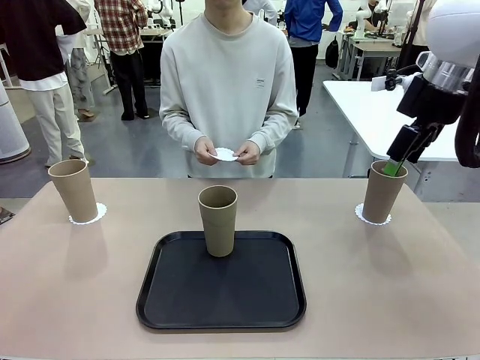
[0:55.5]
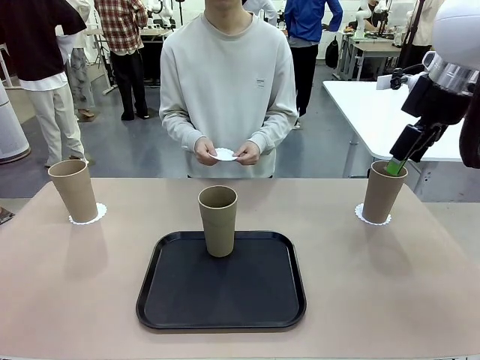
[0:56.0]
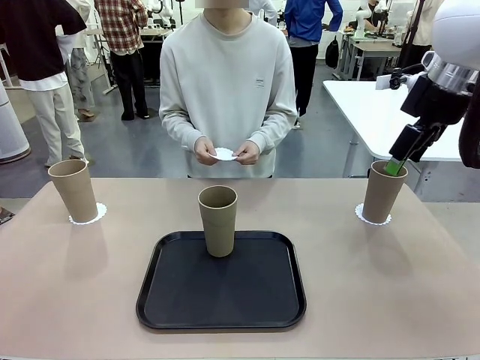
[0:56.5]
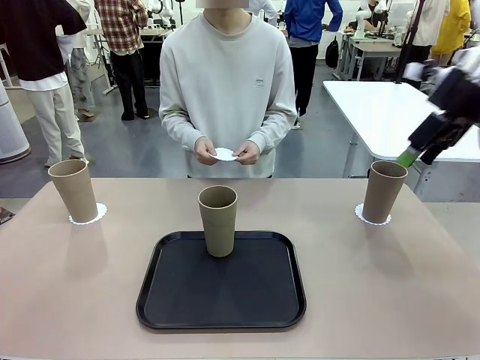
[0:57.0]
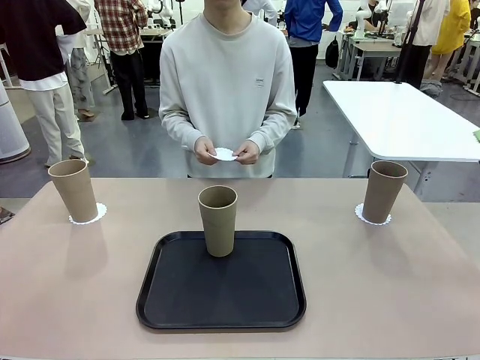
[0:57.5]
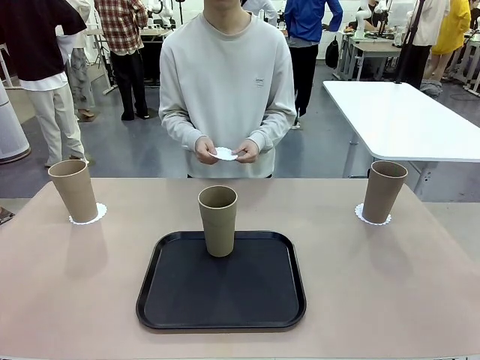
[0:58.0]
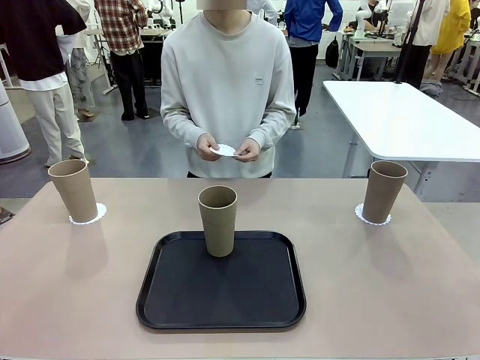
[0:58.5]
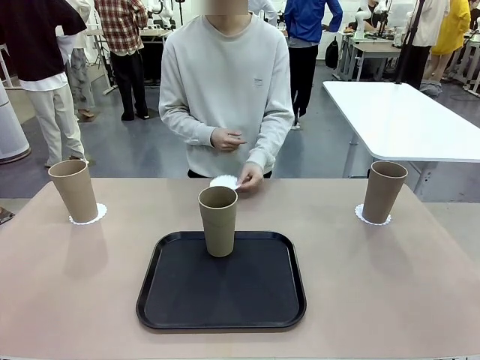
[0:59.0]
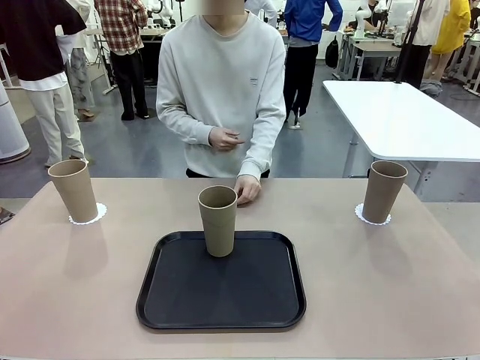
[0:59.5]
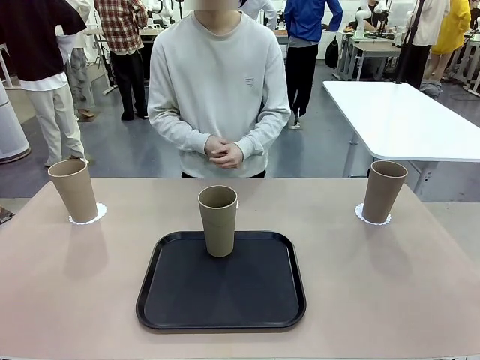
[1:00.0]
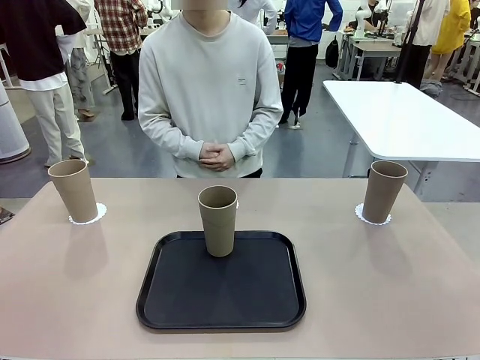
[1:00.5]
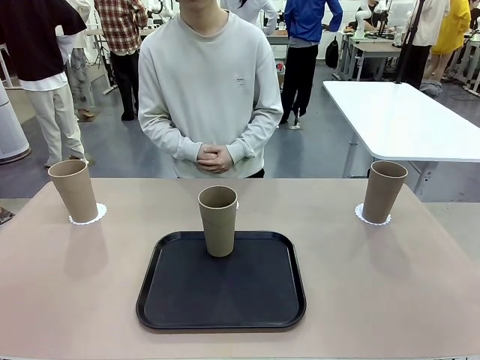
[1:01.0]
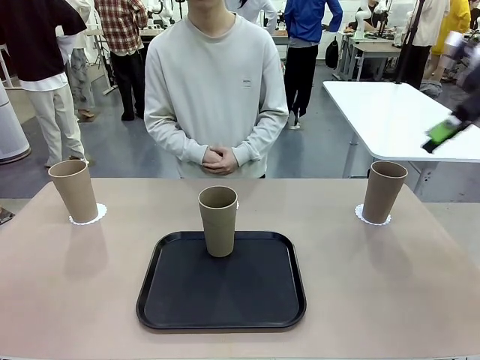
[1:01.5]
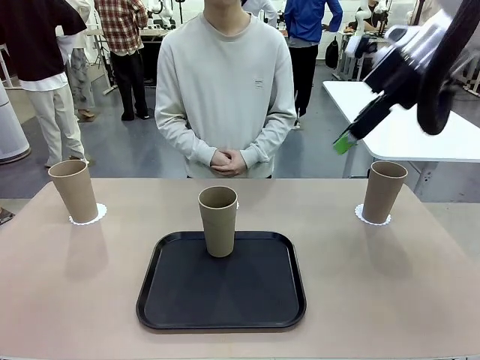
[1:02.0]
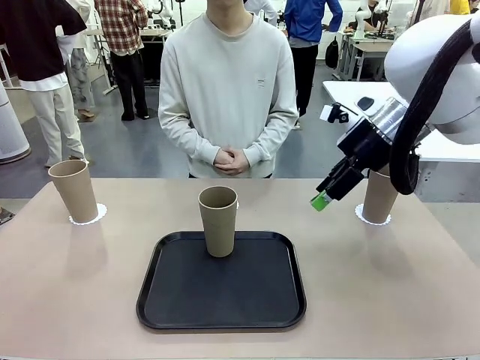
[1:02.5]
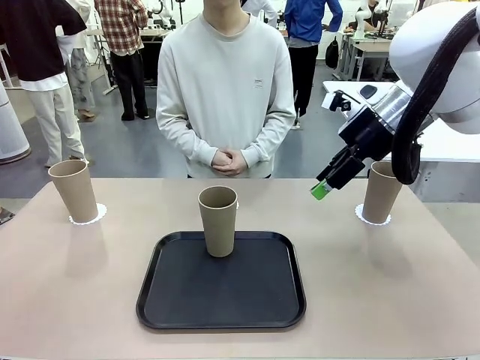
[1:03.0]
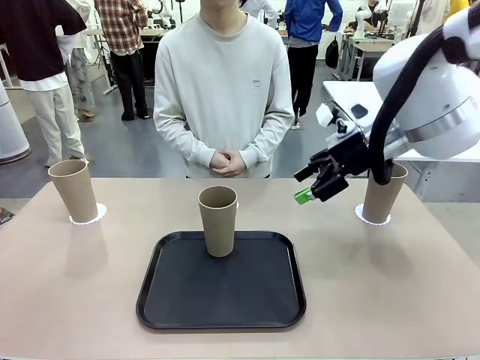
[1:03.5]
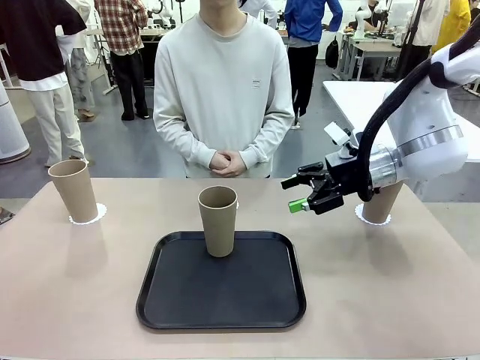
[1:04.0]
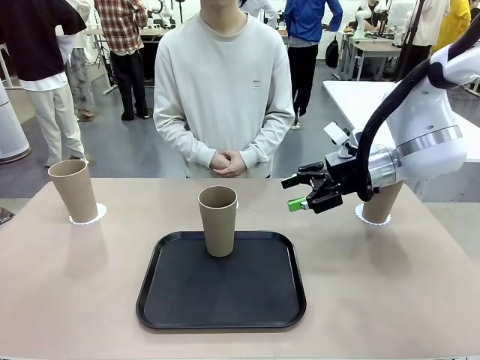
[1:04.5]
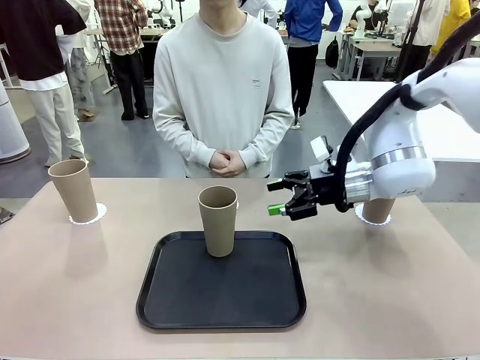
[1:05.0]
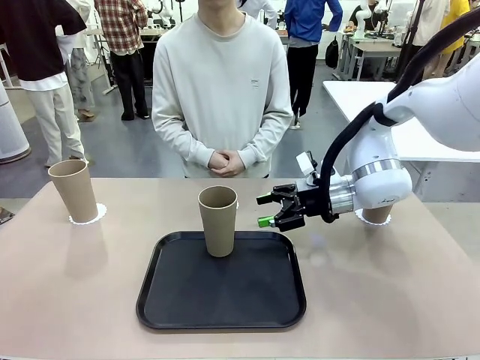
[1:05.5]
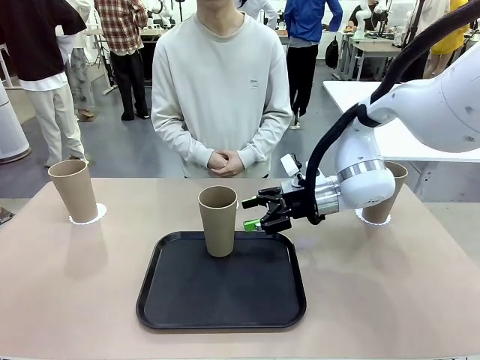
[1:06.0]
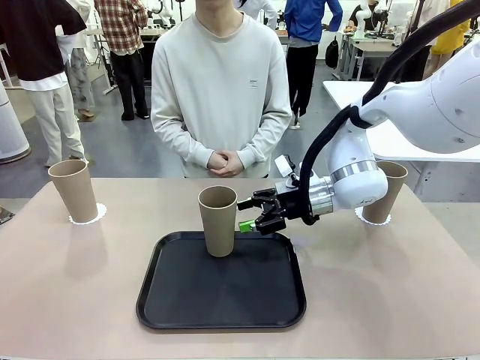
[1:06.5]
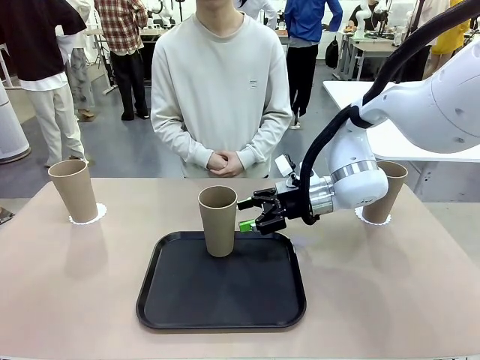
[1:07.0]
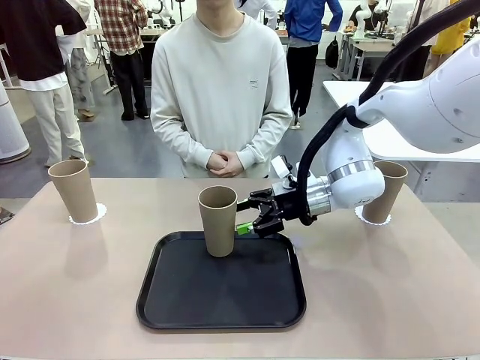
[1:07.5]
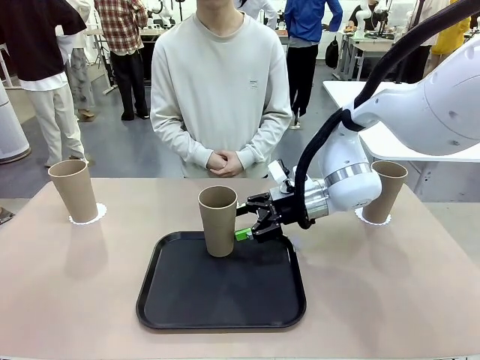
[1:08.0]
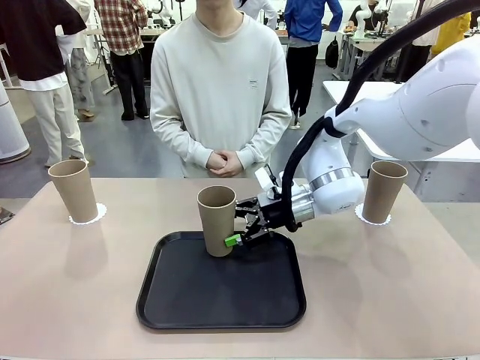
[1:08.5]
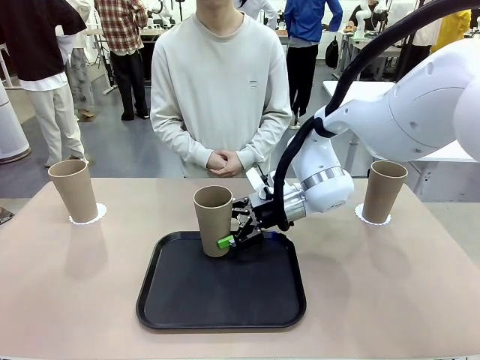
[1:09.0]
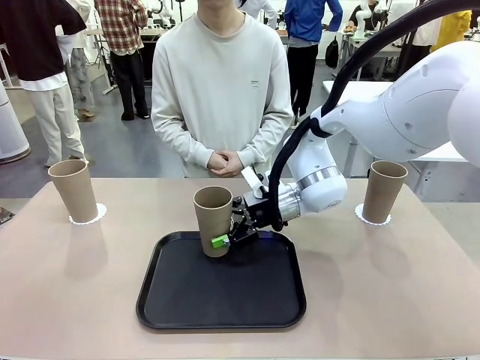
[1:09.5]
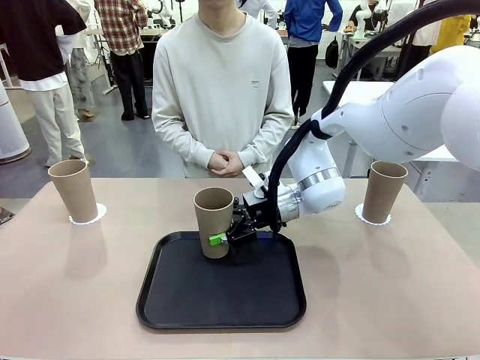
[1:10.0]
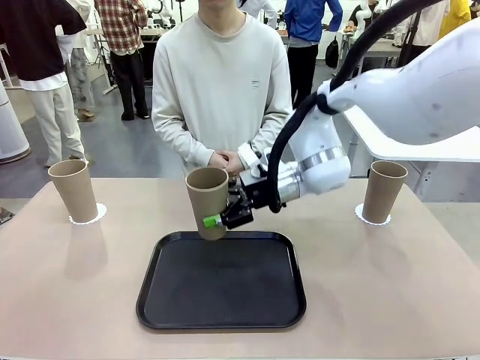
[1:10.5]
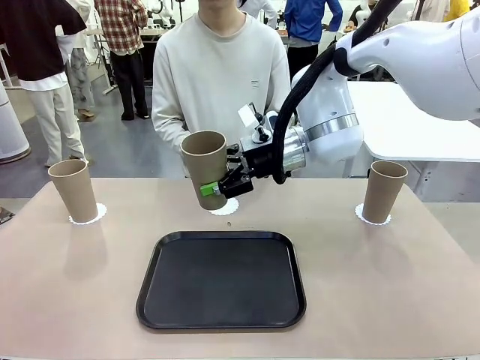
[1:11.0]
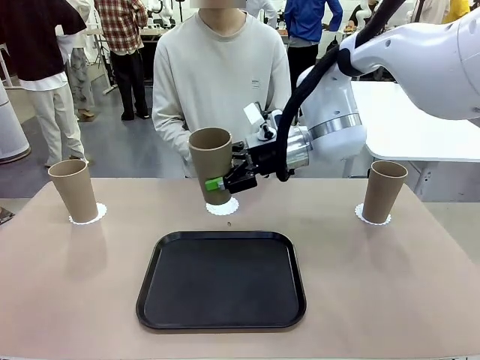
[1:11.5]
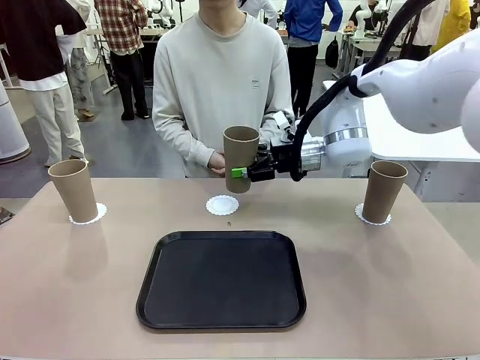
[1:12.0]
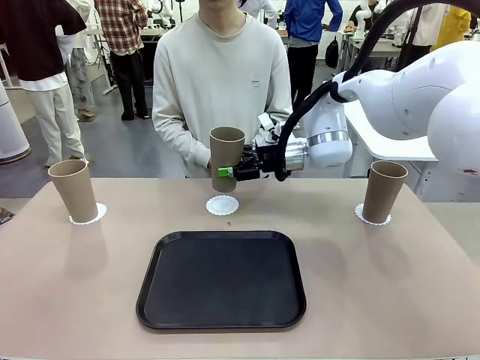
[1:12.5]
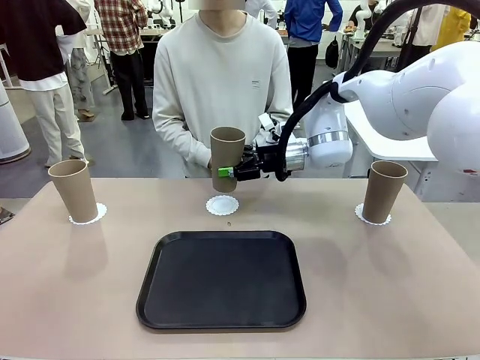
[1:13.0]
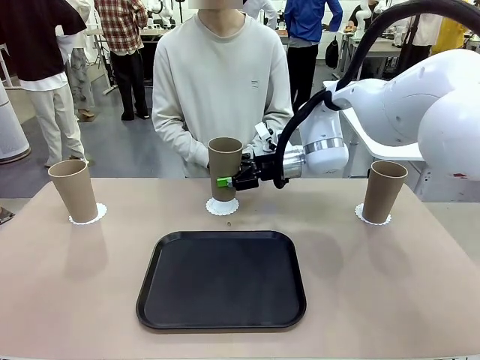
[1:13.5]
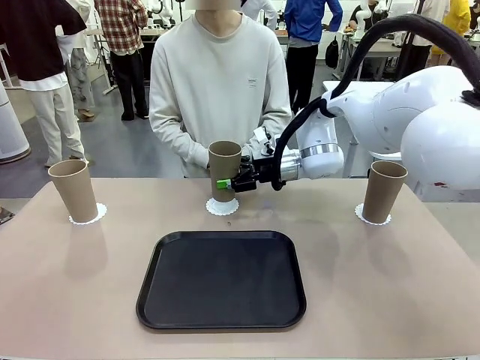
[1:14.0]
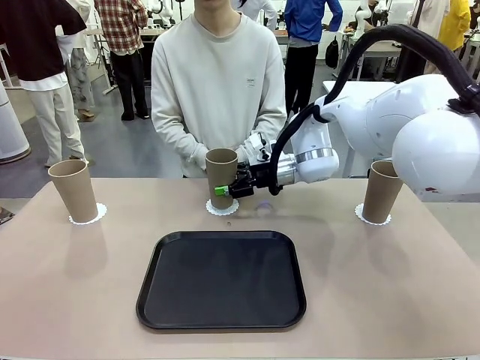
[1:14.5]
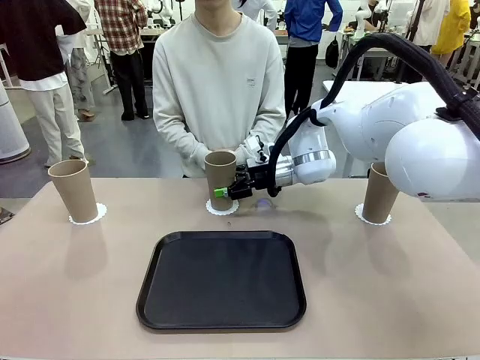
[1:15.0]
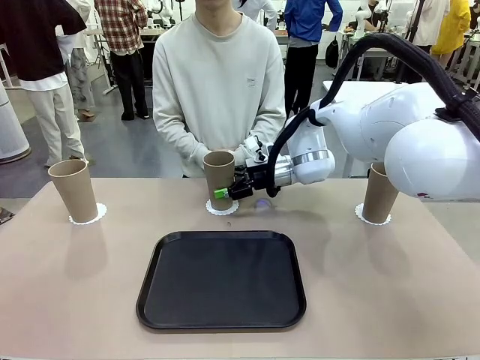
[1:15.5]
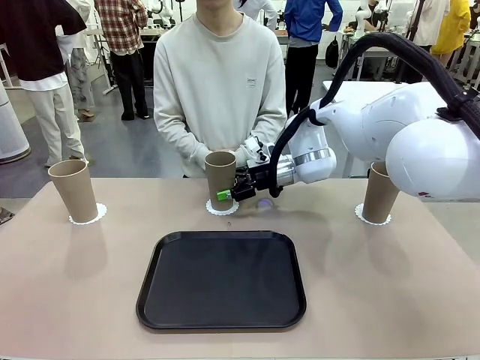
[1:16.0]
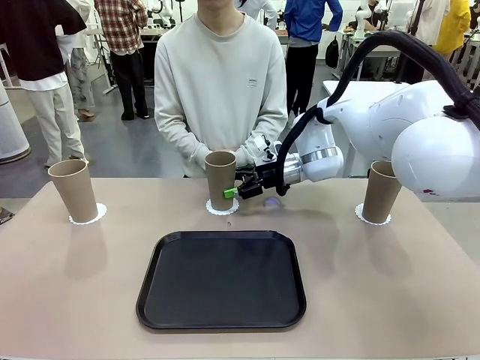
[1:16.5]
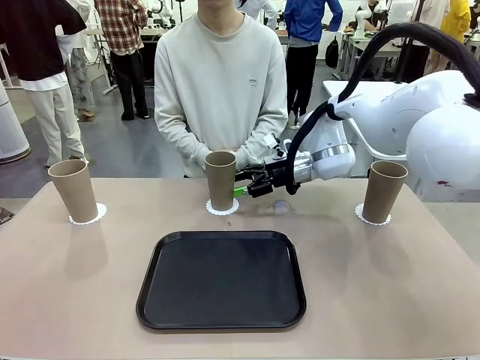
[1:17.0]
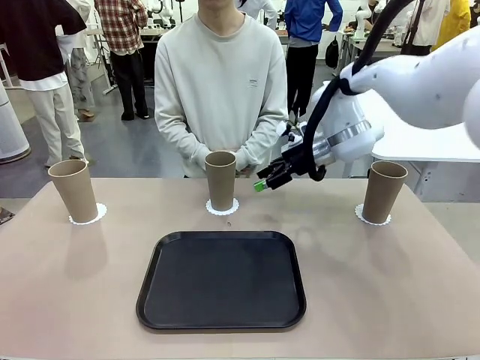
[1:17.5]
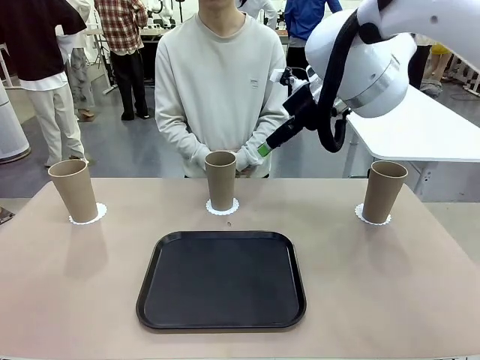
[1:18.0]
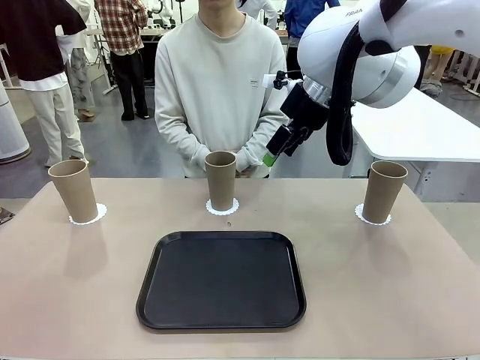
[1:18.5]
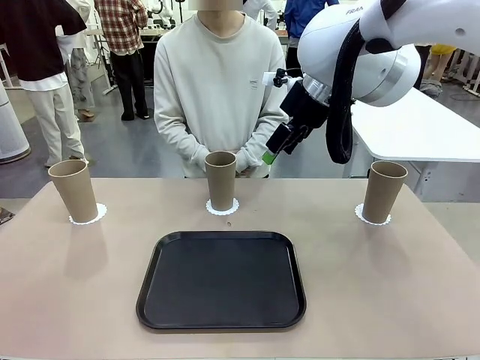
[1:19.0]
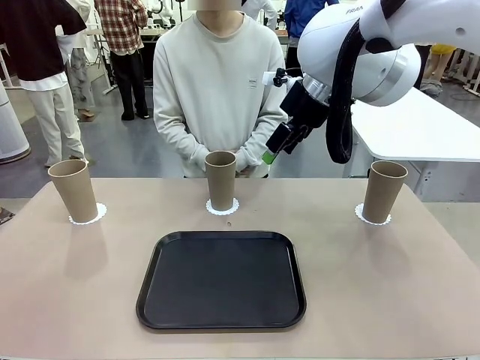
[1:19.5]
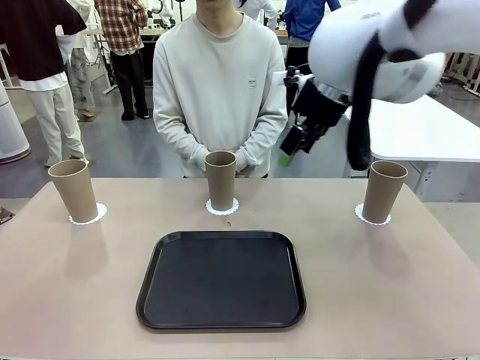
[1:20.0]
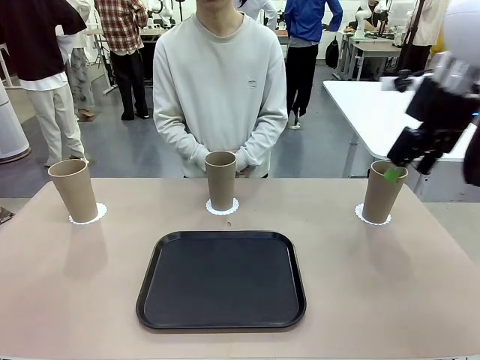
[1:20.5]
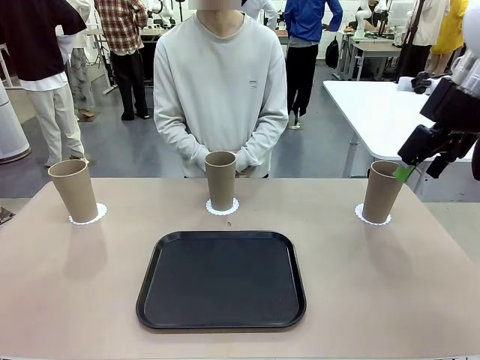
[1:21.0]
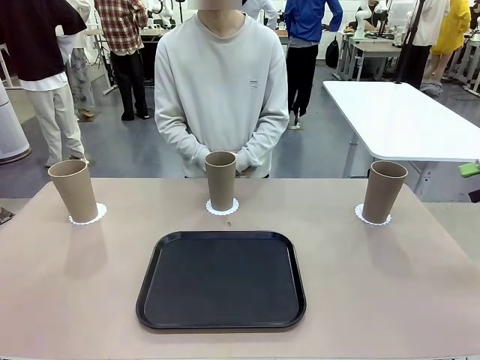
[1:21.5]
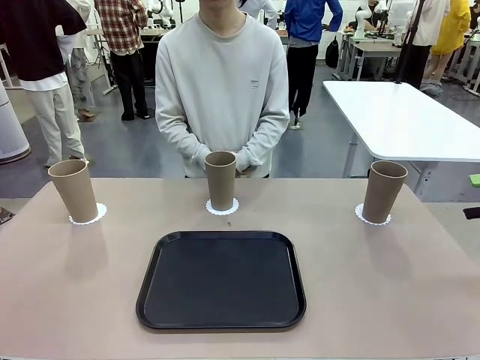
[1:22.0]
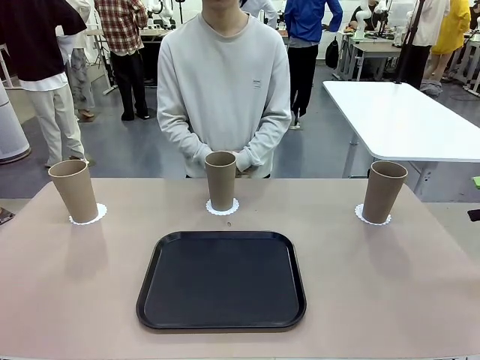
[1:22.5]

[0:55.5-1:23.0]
Task: Place coasters on the table and set cups on them.
Robot: Take one Reusable plastic cup from the Flat Tray and place it on a coaster set by the human.
Person: Place one coaster in the only remaining area.
